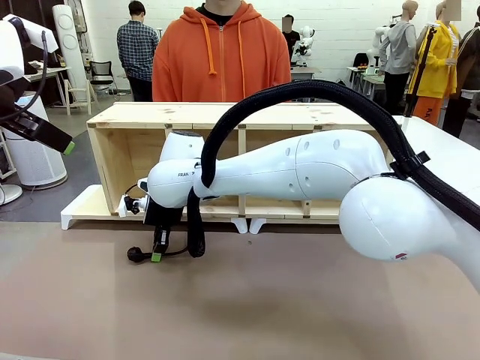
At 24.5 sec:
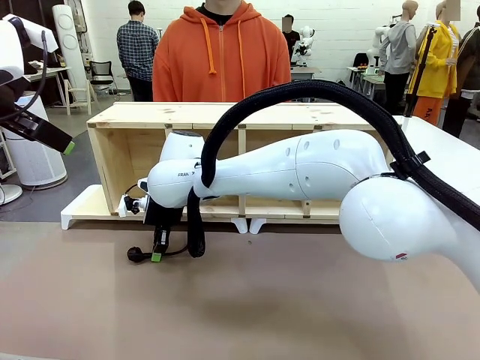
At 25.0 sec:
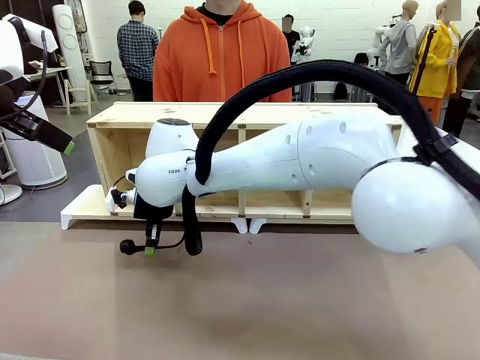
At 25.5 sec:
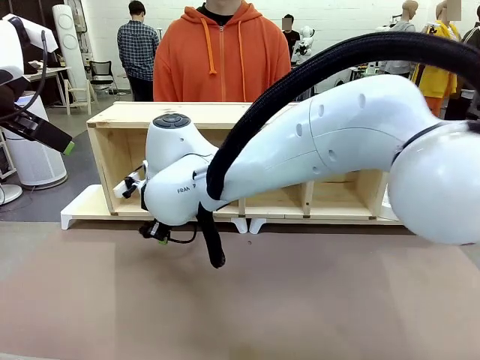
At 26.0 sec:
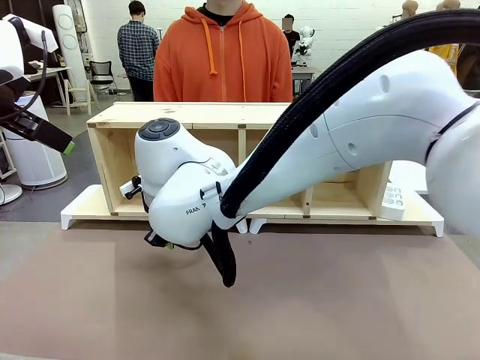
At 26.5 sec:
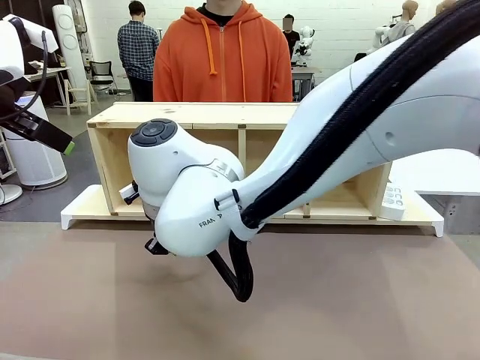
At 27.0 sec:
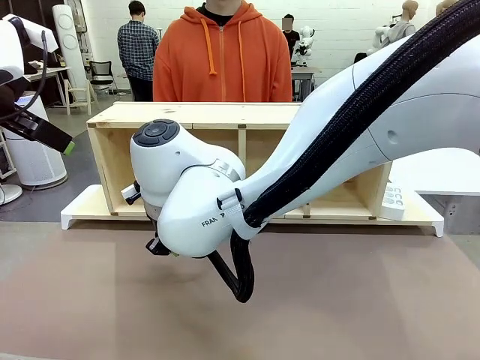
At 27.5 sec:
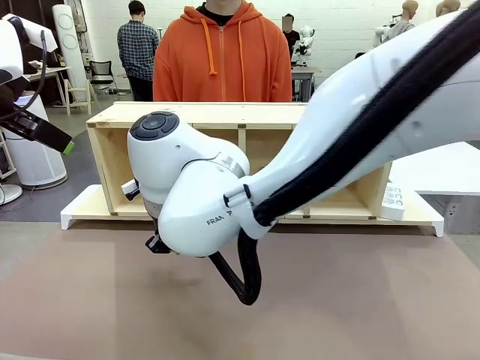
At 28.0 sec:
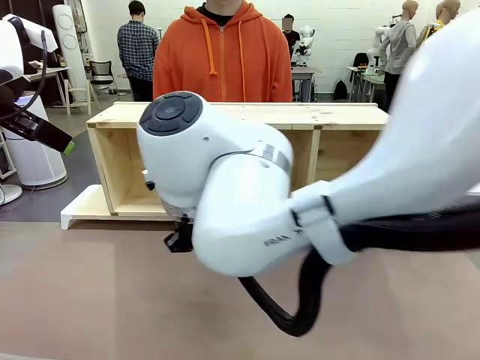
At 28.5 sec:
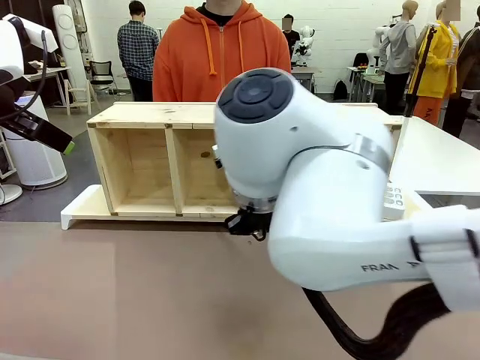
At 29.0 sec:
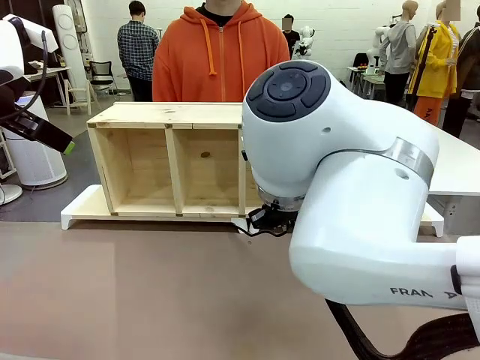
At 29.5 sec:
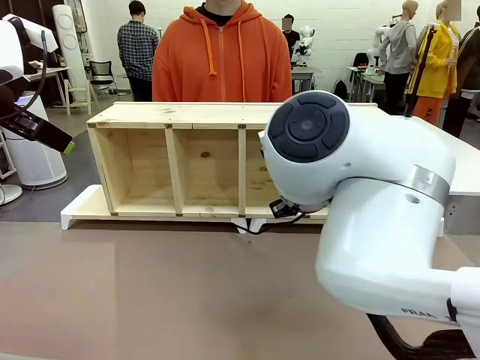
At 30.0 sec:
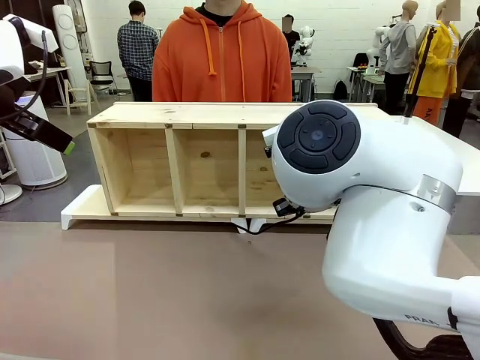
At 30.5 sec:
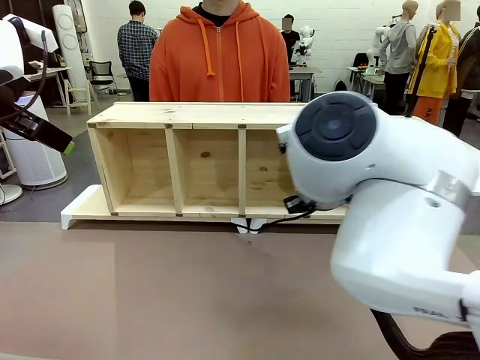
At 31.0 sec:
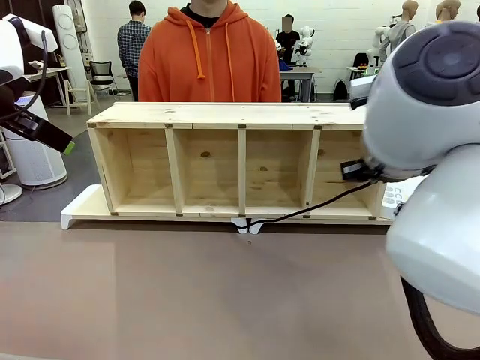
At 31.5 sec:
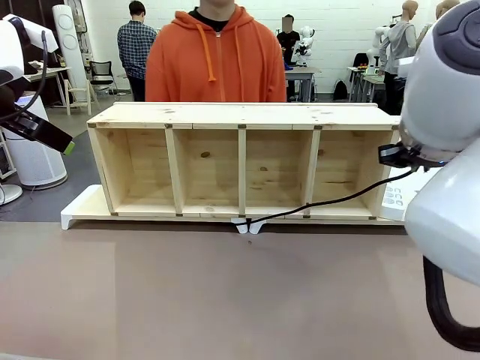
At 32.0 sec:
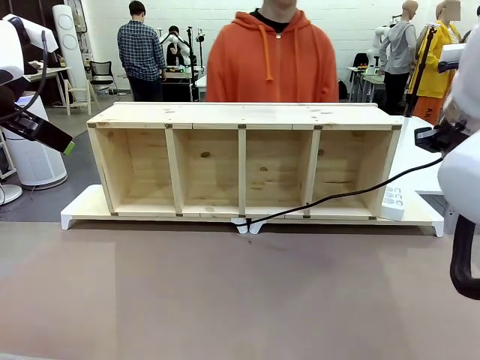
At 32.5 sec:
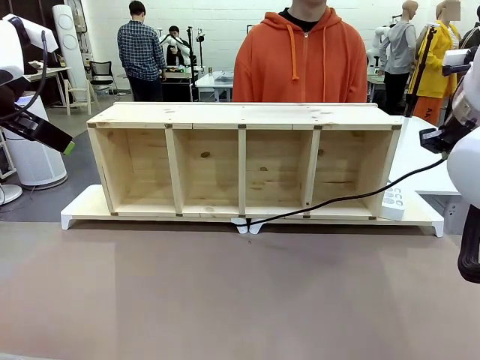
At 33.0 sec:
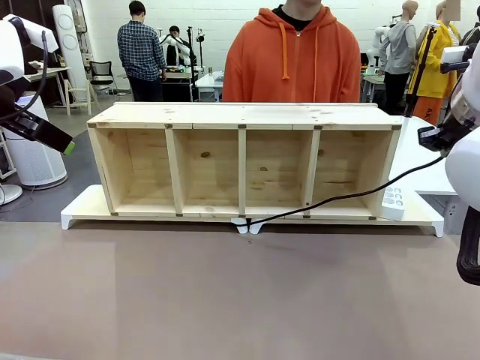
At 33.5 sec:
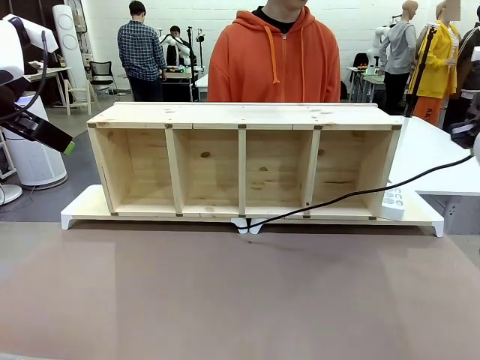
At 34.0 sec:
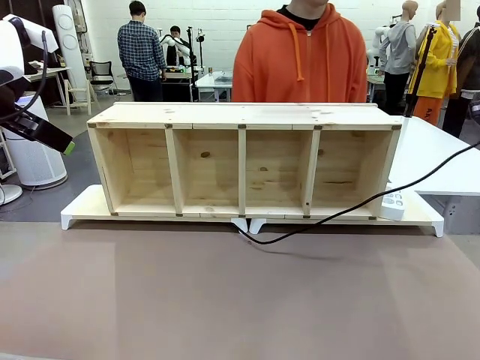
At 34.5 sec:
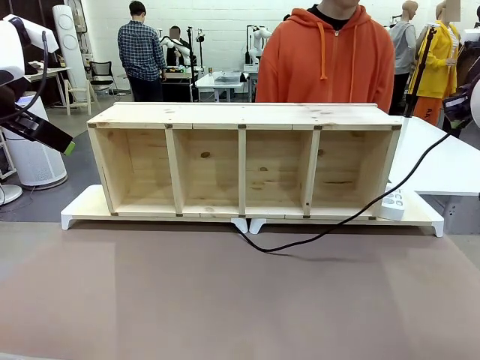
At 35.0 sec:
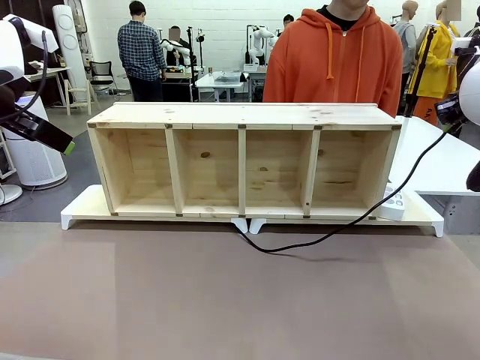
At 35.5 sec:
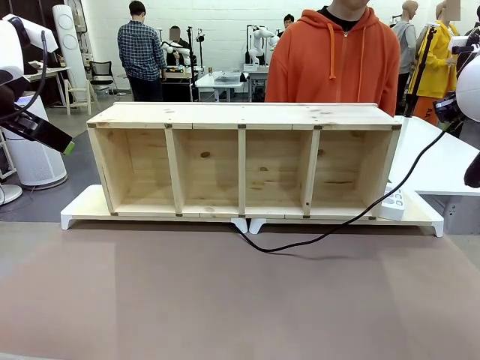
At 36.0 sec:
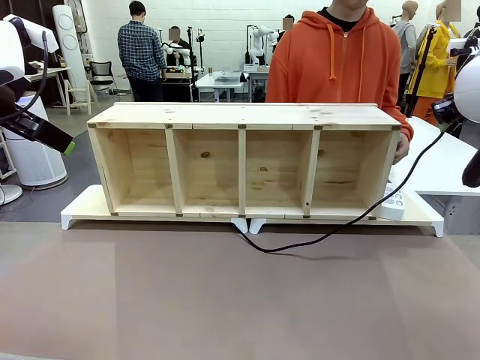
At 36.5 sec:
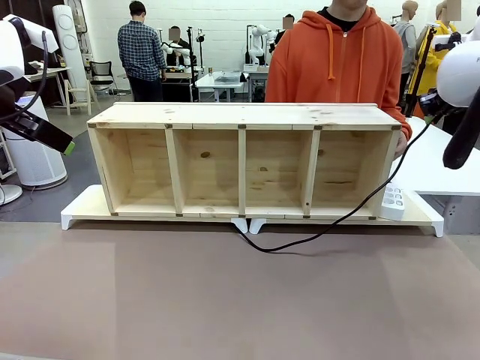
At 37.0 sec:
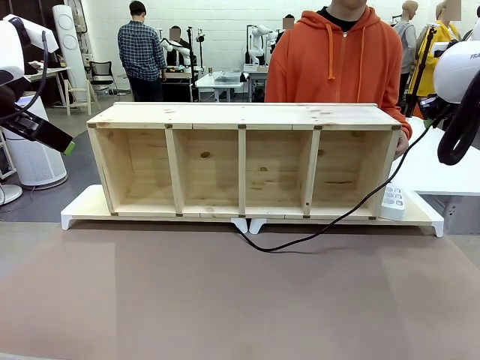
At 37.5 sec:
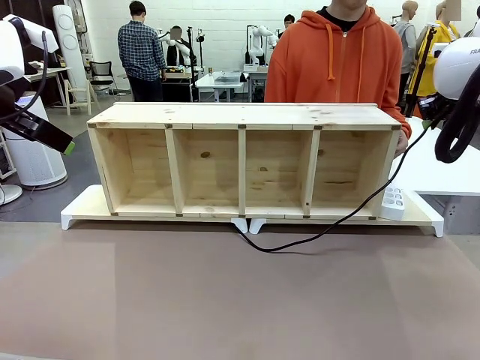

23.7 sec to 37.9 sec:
Task: Perform cable management.
Robot: Pull the grasped Power Cable to the location of the Power Strip.

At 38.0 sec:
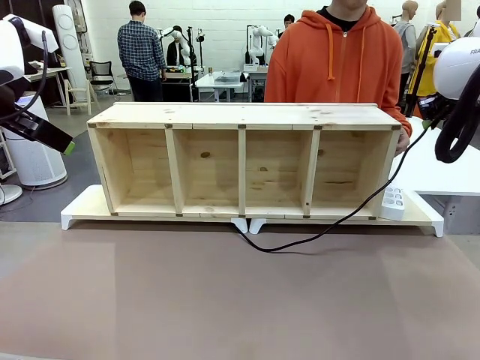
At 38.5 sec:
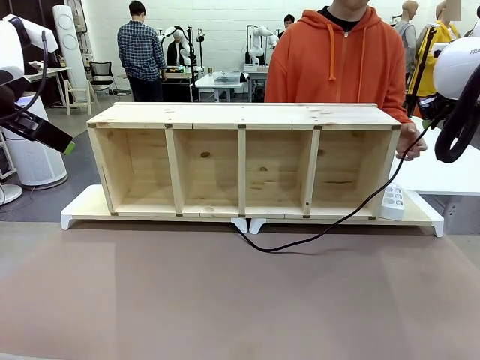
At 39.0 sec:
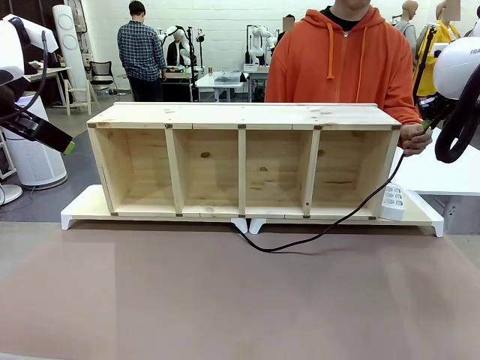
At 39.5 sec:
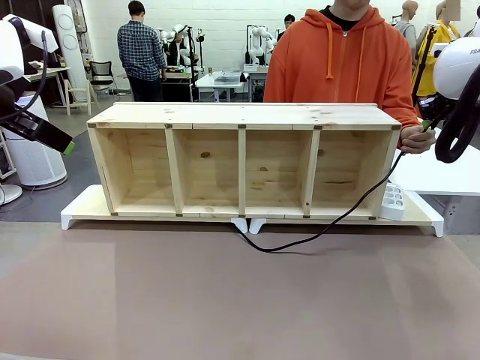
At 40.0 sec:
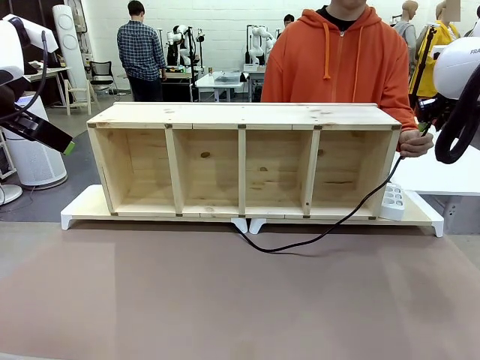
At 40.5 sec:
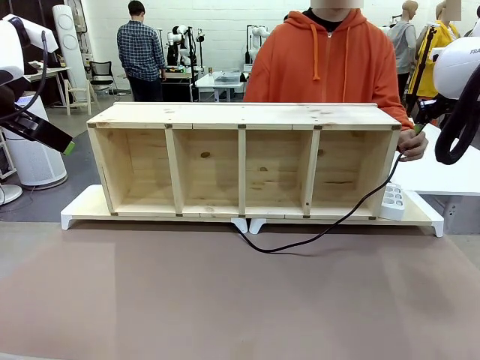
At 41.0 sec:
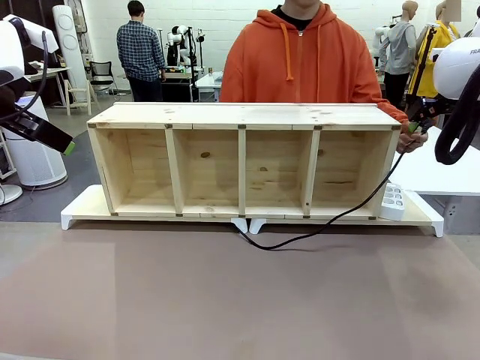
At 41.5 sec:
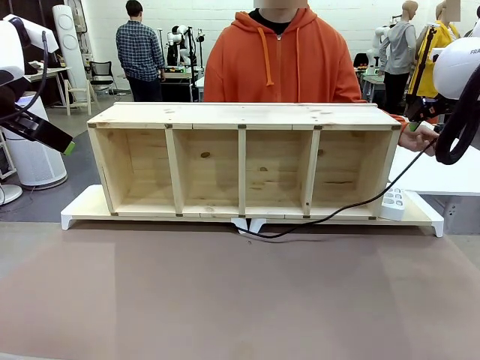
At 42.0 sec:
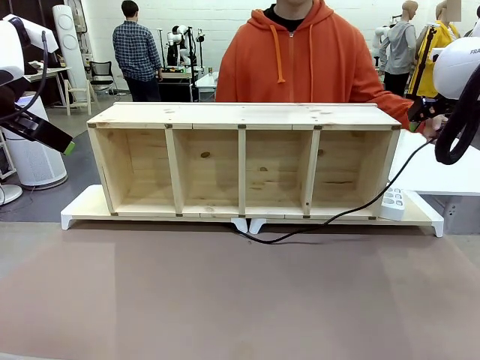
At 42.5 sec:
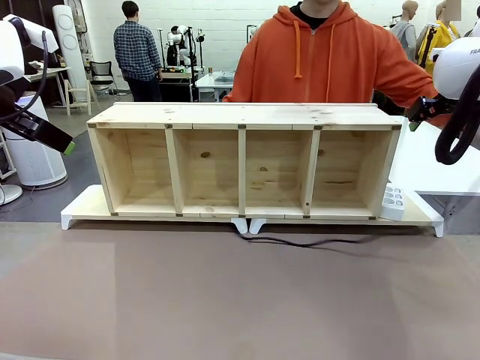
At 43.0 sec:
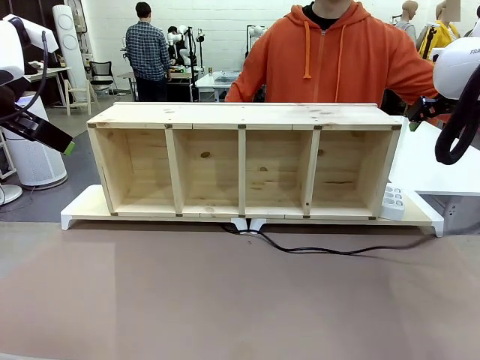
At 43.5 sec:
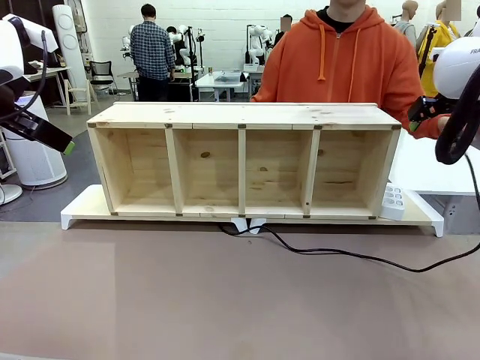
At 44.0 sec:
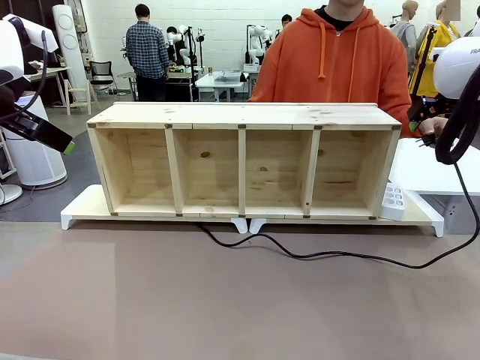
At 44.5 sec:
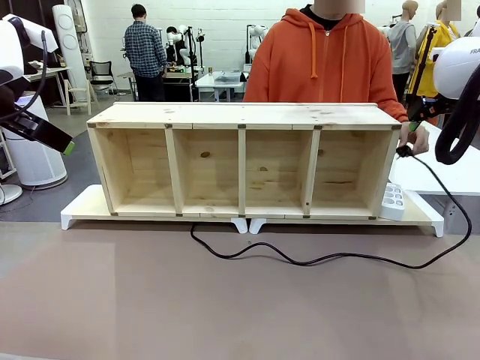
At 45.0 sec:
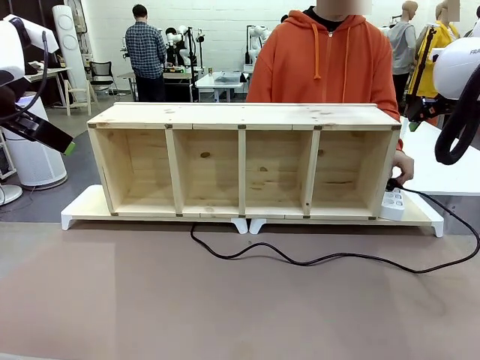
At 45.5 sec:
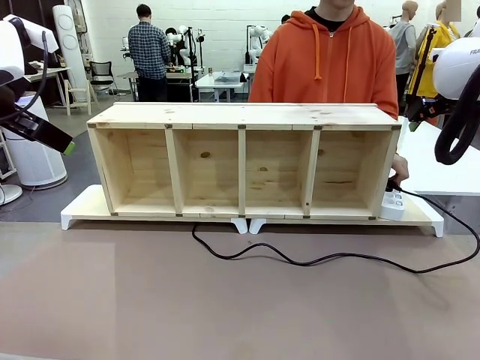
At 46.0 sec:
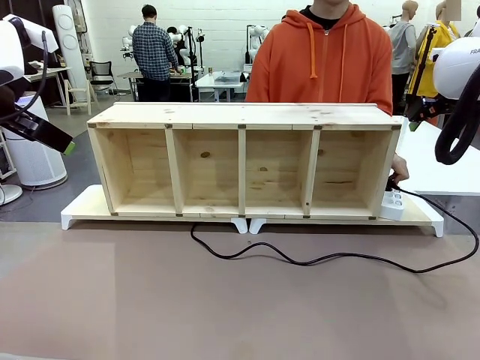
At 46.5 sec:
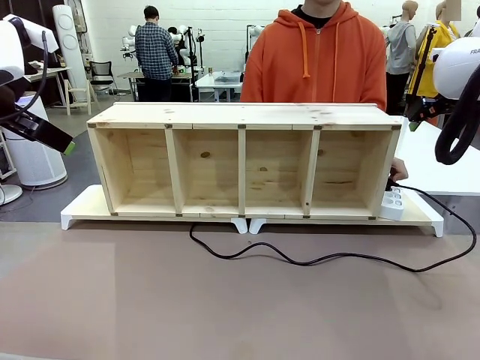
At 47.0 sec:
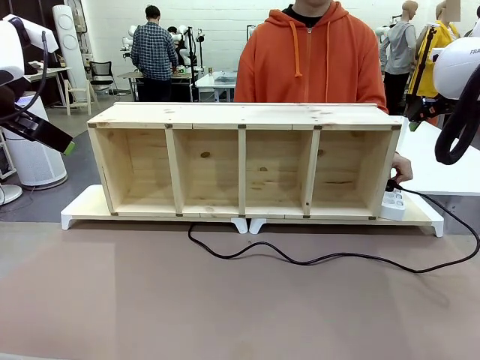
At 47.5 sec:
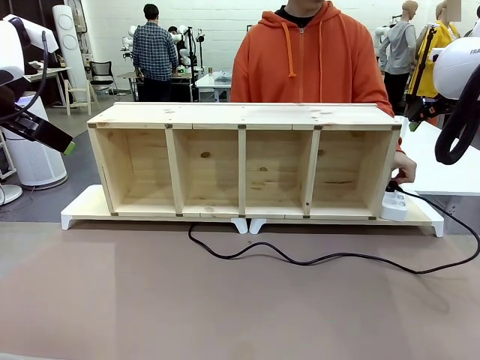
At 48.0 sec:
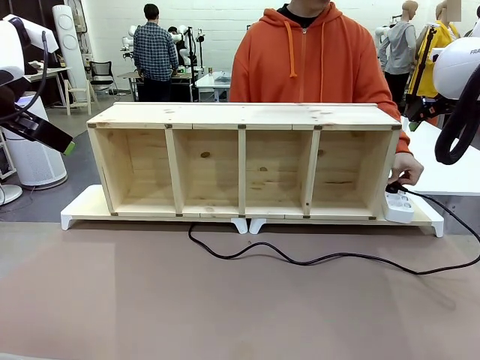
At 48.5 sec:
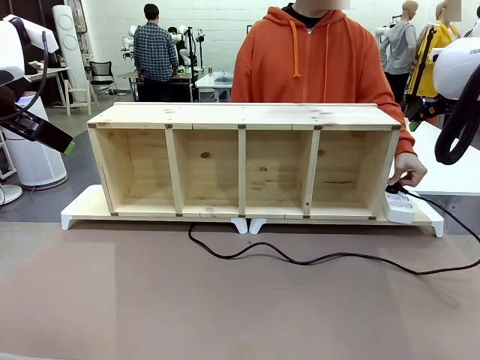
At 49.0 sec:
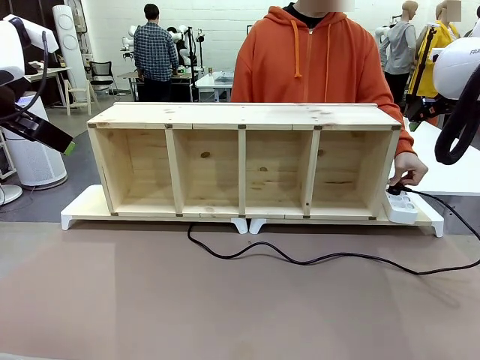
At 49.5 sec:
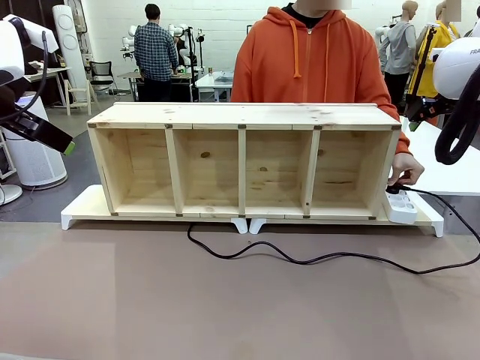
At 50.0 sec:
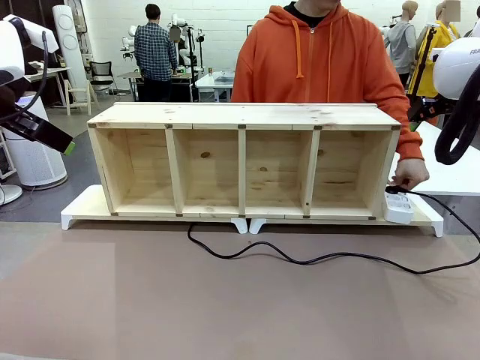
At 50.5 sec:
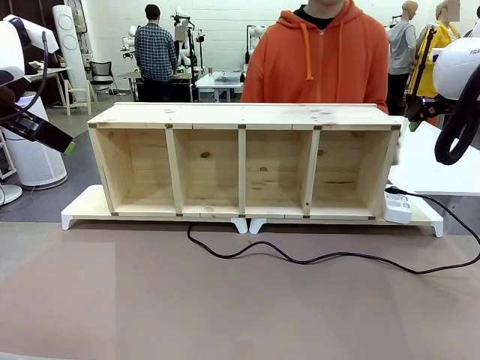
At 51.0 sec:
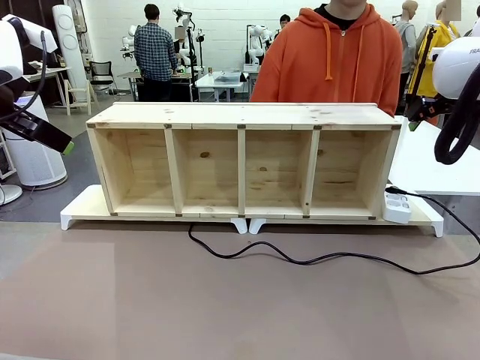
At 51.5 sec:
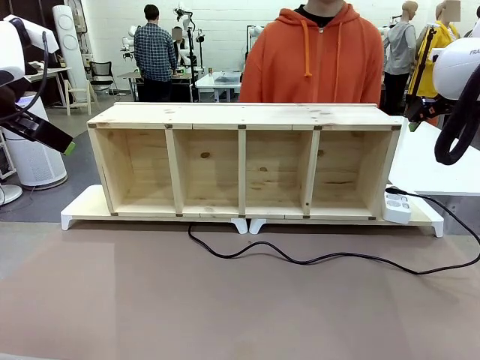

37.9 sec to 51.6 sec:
Robot: Release the Power Cable when the human grasps it.
Person: Plug the Power Cable into the Power Strip.
